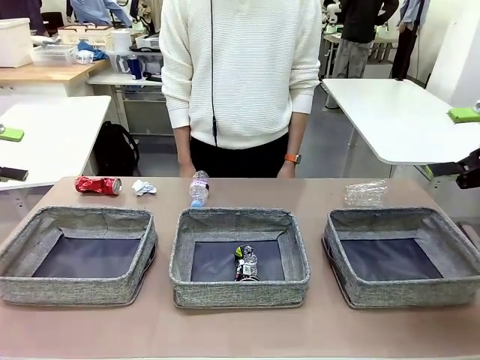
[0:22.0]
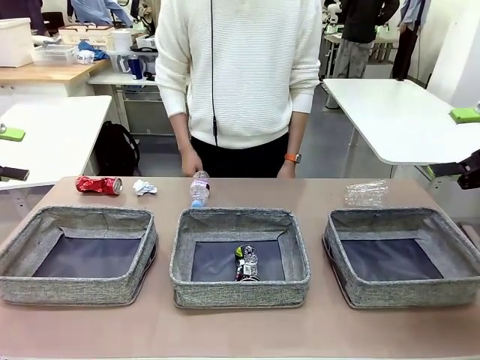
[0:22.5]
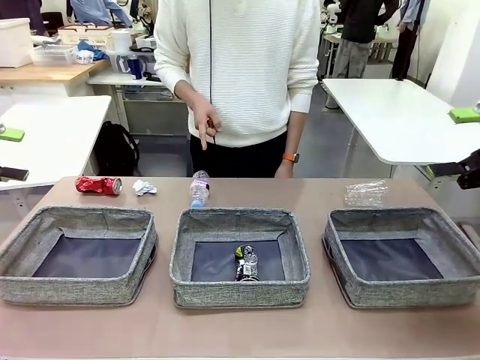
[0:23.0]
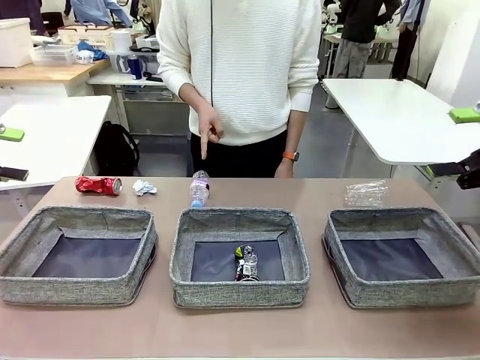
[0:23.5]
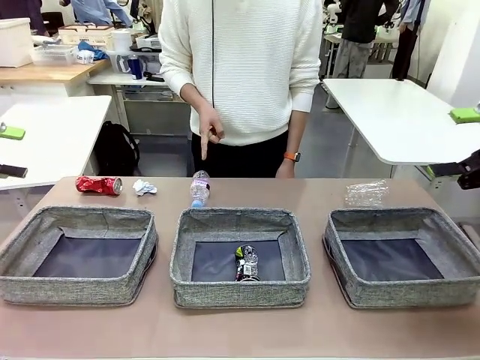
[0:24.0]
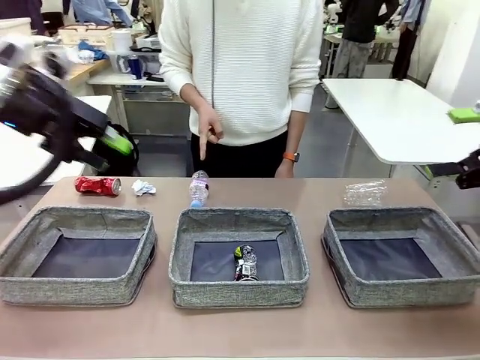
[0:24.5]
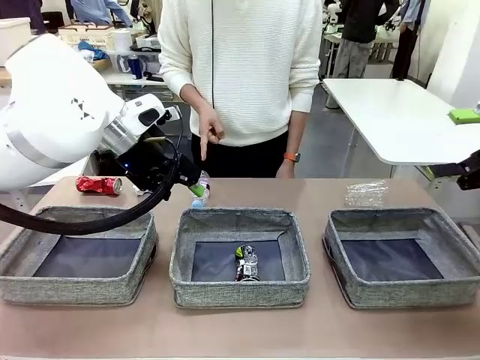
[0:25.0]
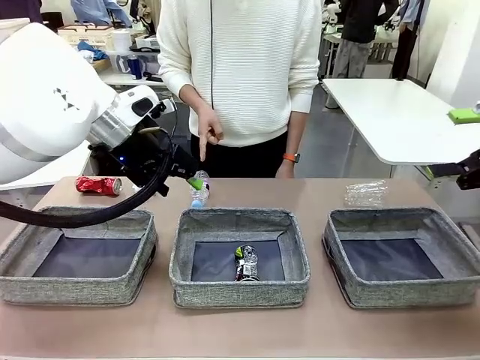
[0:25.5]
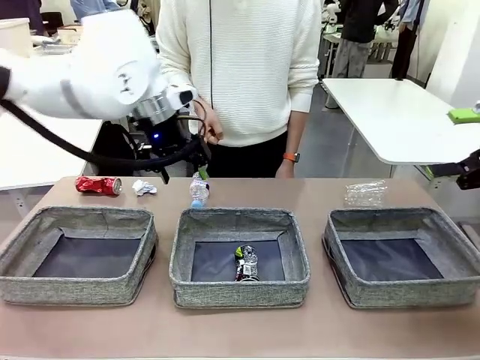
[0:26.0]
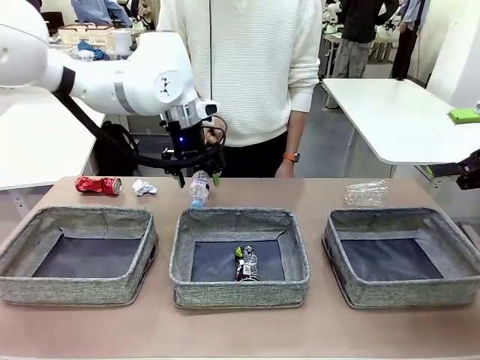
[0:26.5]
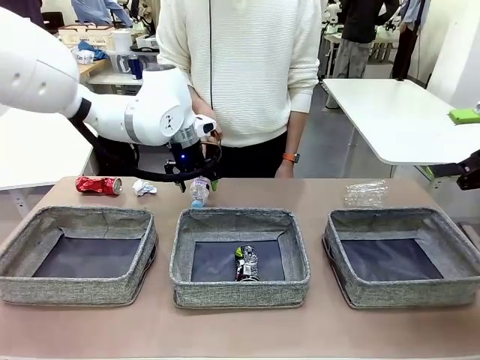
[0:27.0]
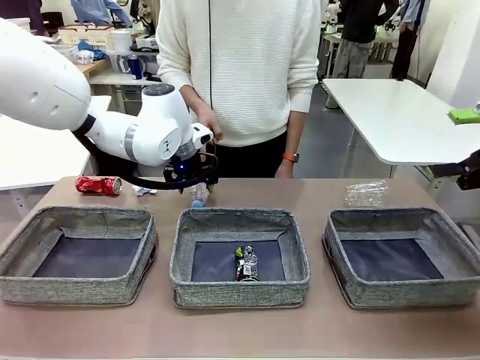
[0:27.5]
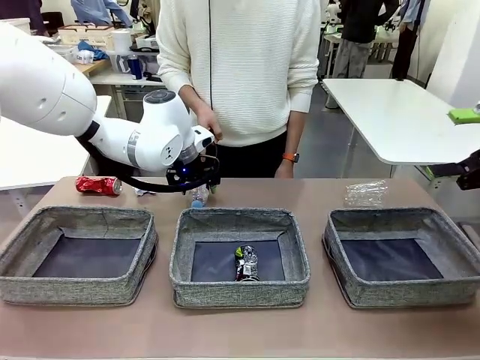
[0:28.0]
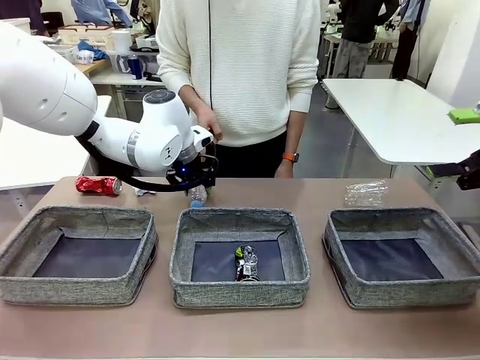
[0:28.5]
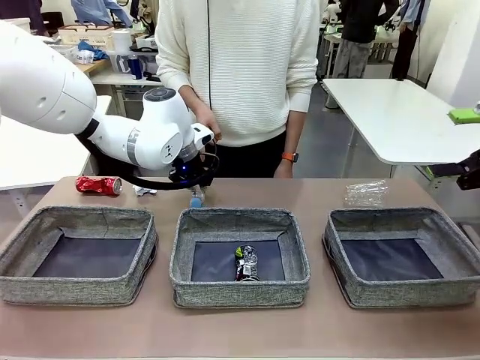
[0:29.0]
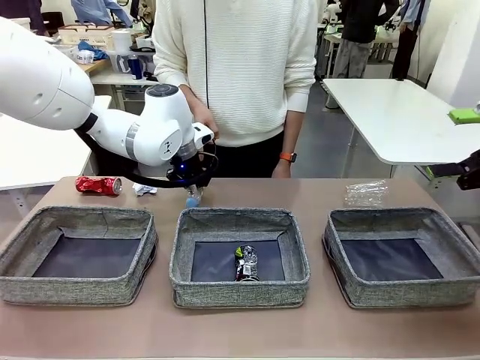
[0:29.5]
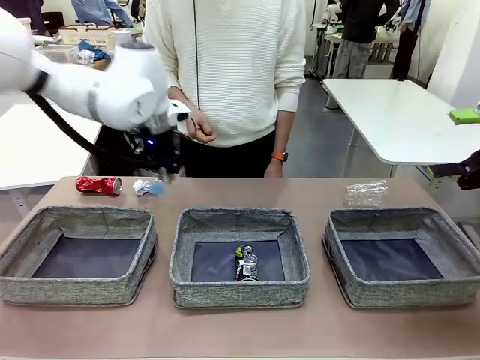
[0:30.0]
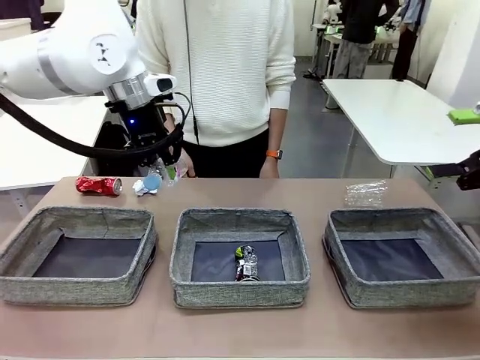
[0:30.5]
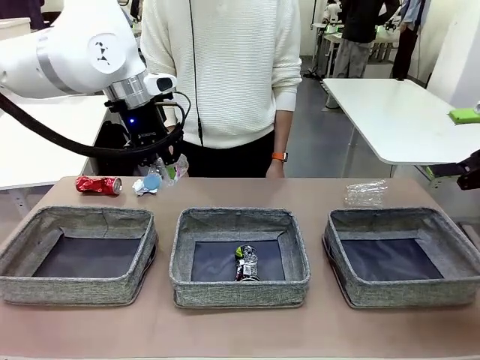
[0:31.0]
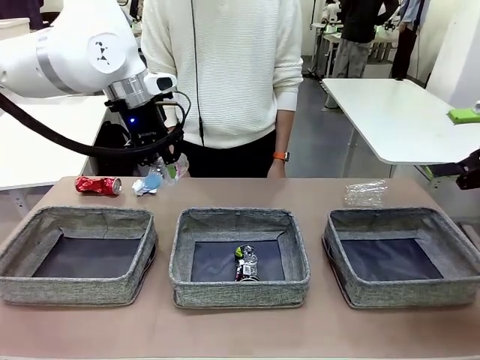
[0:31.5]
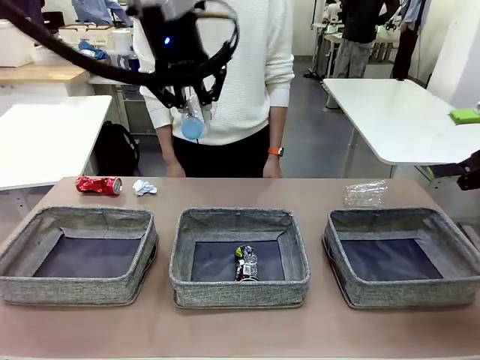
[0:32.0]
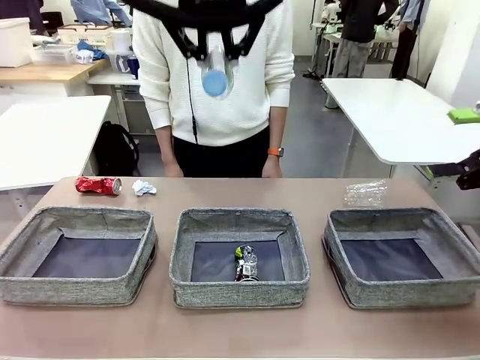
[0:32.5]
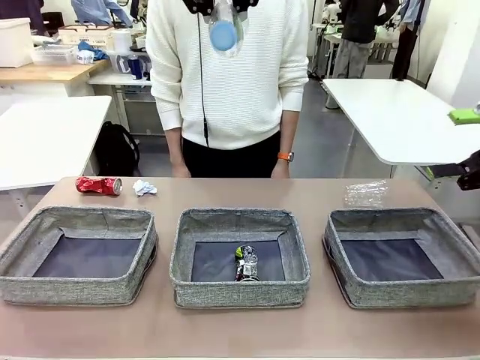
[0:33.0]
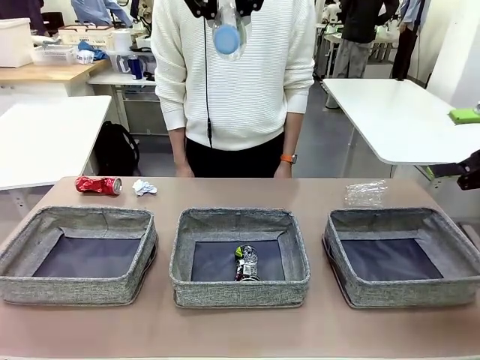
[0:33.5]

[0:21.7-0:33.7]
Task: Sort the waste into the appropriate baskets.
Robot: Pick up the waste item pointed out by the person.
Person: Points to one piece of trash on the table.

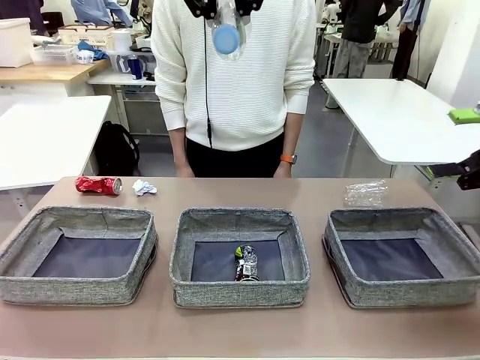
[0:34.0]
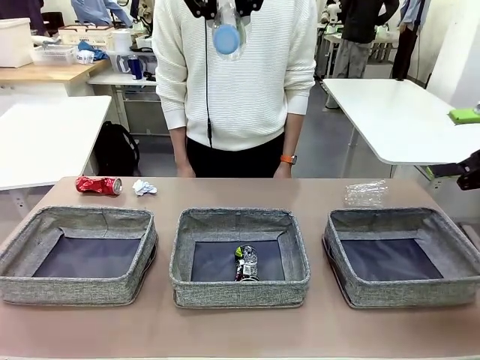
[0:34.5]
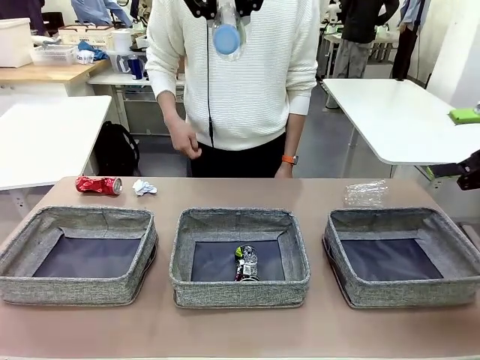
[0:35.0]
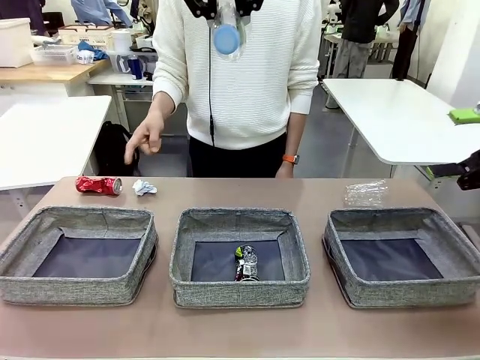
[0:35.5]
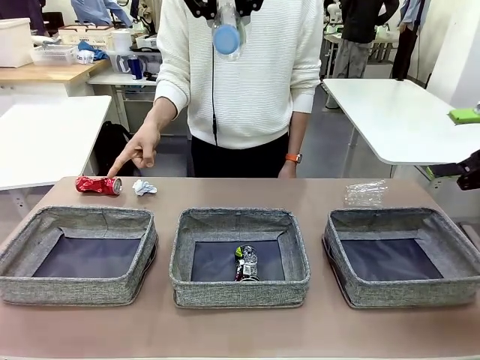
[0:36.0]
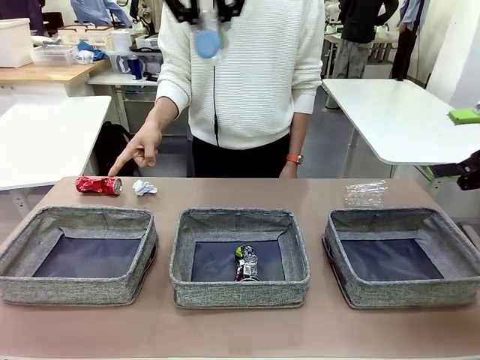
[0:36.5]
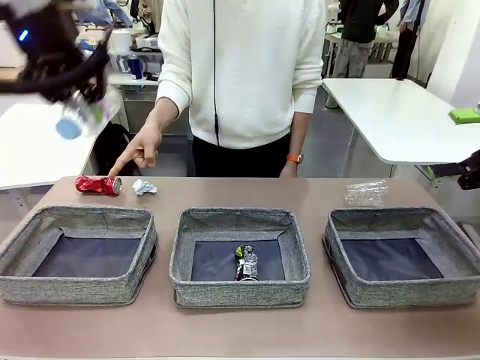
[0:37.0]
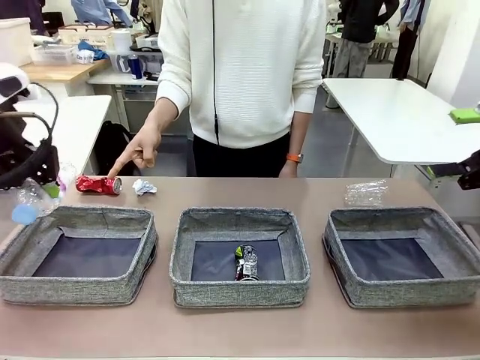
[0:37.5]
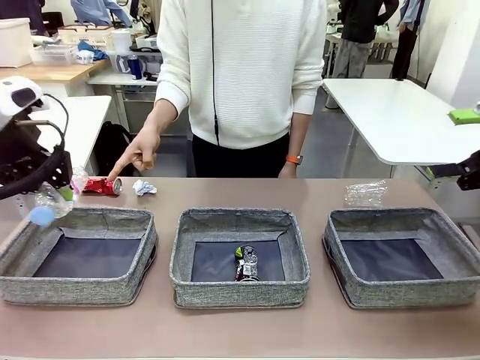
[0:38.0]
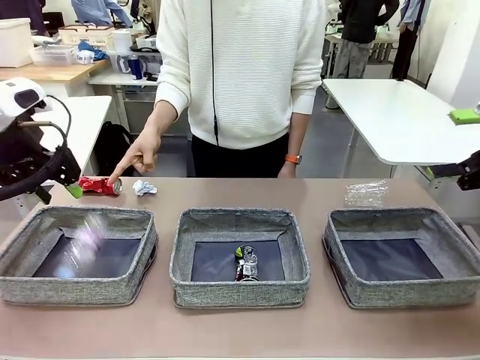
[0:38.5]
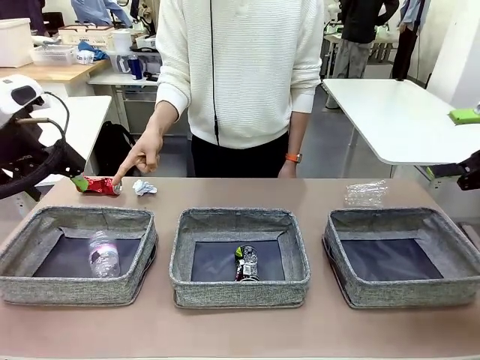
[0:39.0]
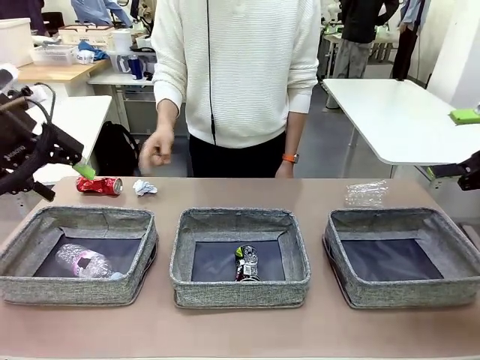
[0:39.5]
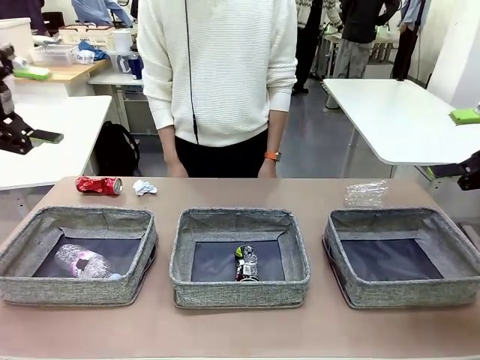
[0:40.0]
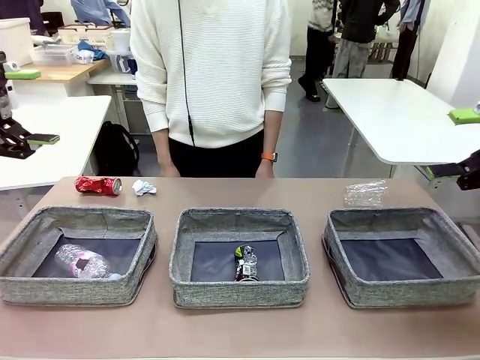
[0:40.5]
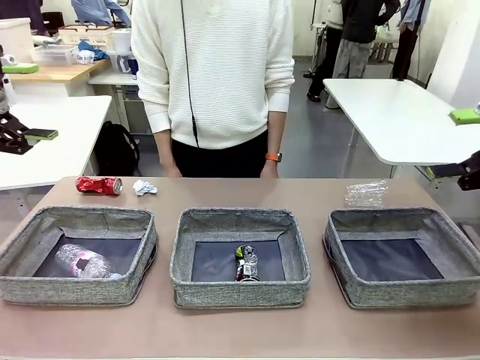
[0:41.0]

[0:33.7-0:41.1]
Robot: Place the picked waste into the Fabric basket indicated by the person.
Person: Instructs the robot to place the picked-up trash into the appropriate organizing basket.

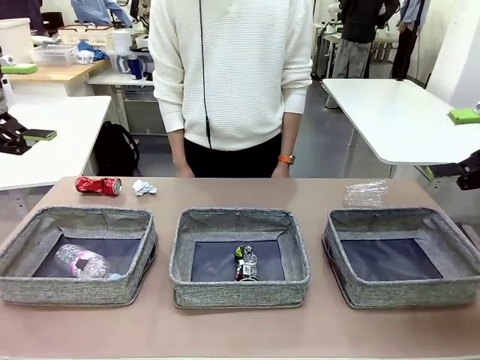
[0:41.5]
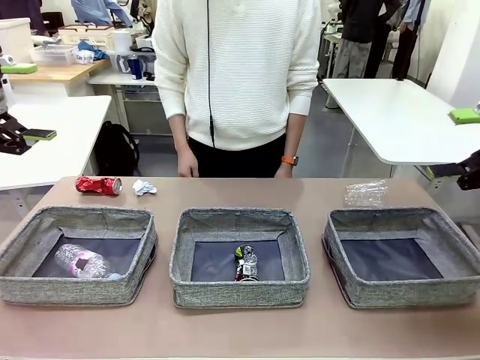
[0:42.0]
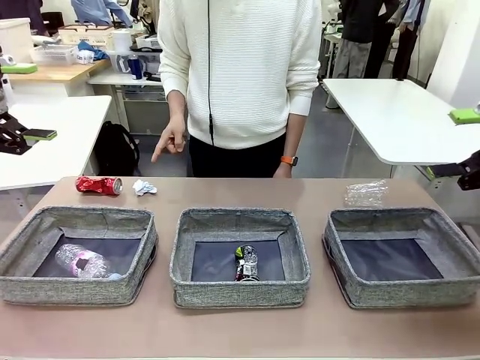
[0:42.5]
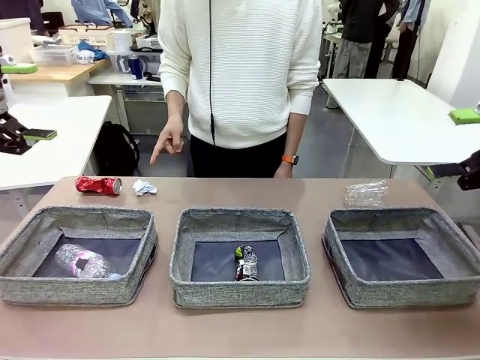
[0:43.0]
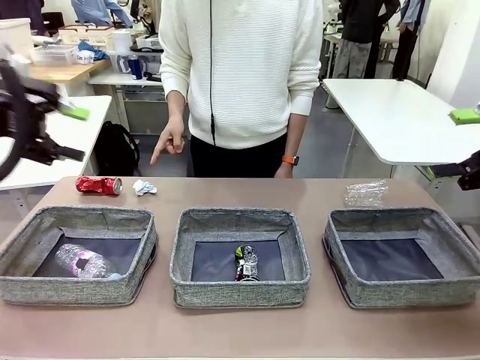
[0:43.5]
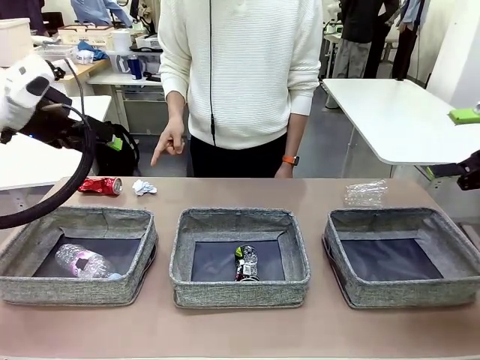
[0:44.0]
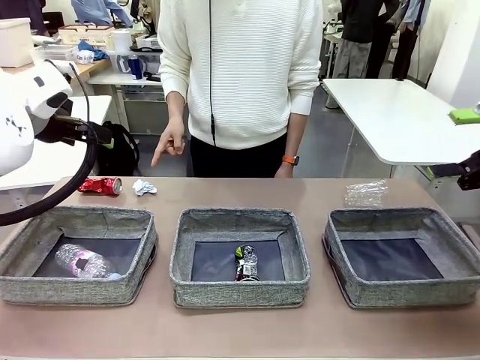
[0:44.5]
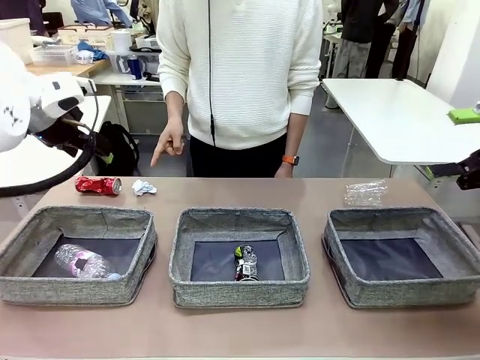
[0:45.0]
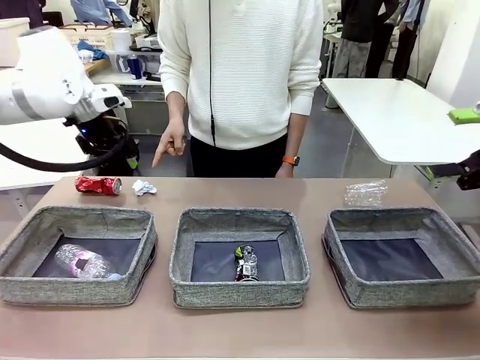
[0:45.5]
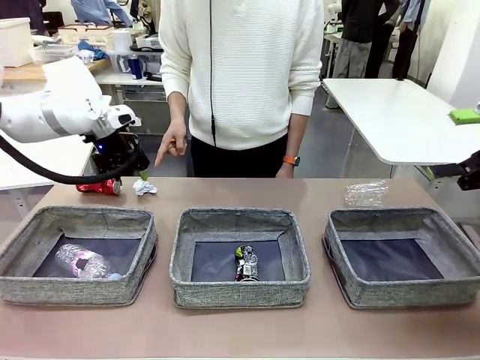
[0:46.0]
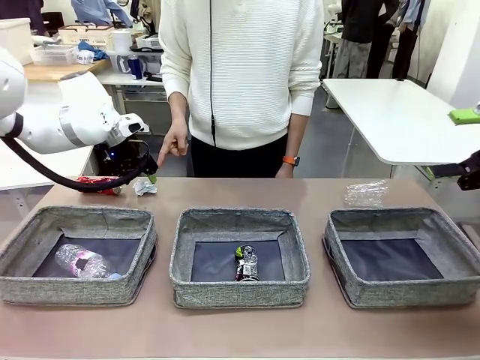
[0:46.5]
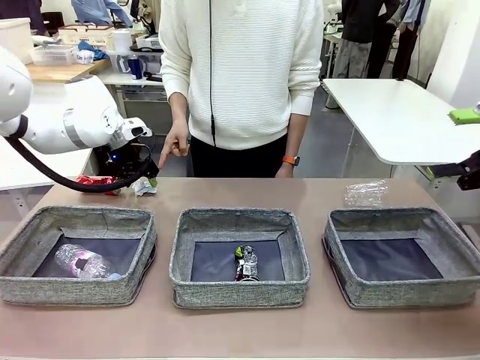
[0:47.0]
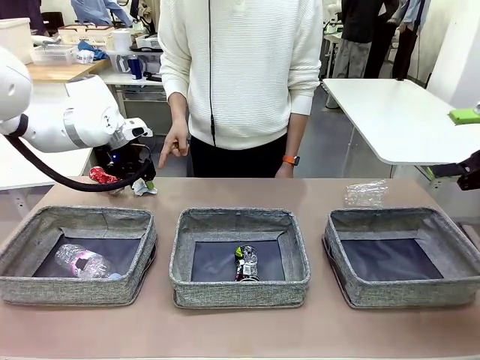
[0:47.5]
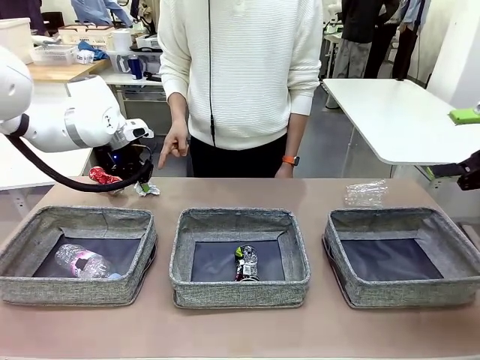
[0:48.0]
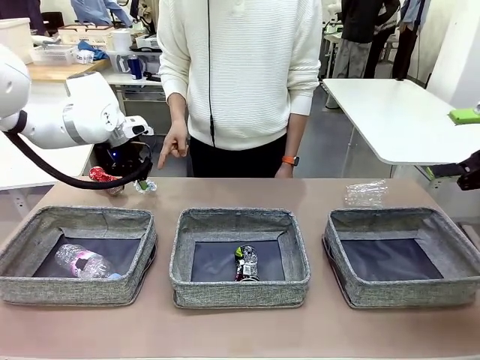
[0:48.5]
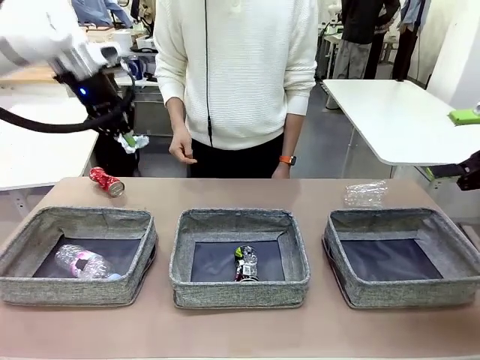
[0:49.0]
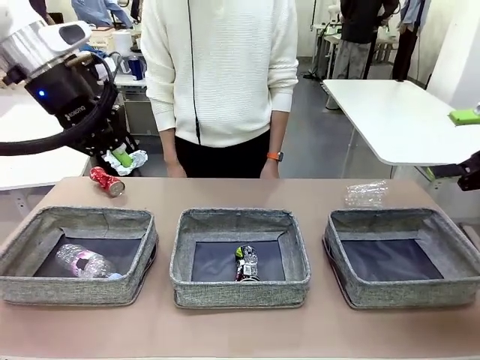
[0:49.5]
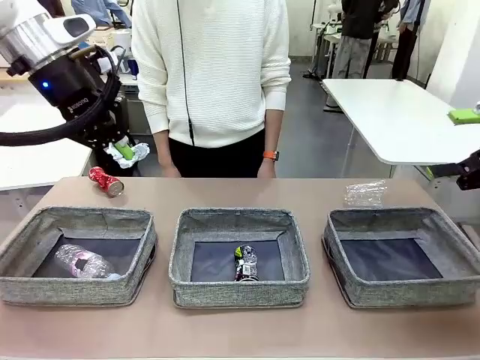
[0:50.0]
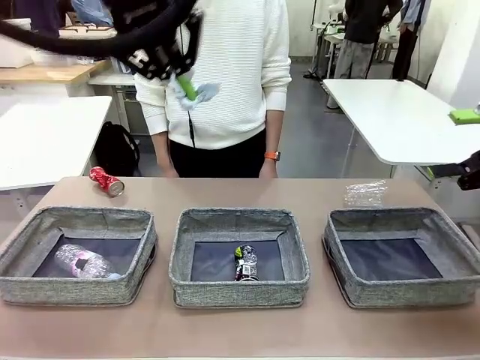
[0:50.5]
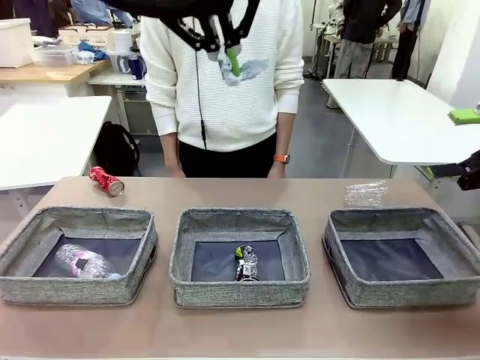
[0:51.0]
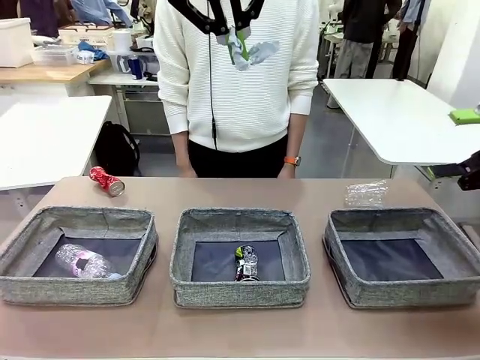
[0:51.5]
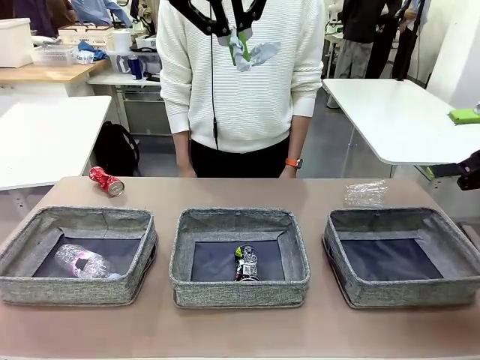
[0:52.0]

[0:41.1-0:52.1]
Robot: Pick up the waste item pointed out by the person.
Person: Points to one piece of trash on the table.
